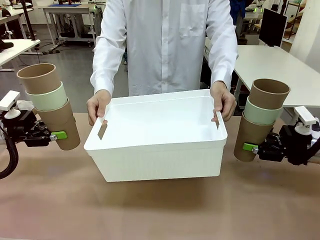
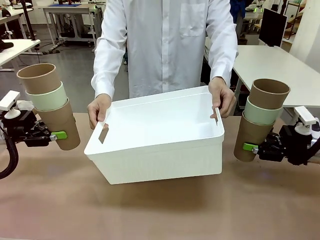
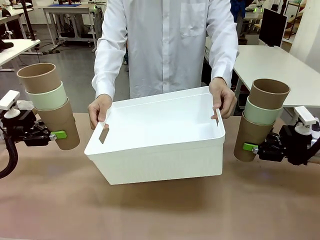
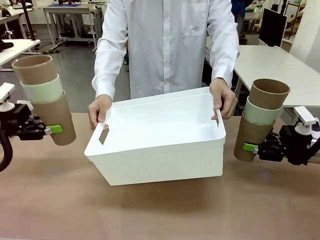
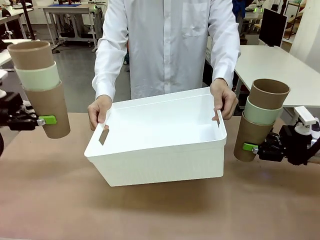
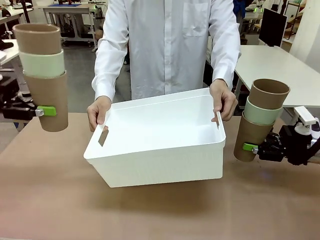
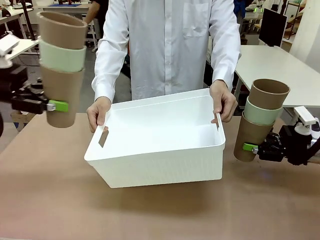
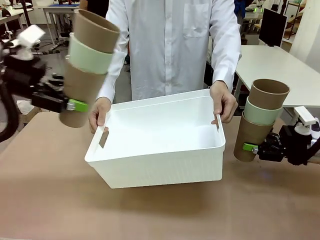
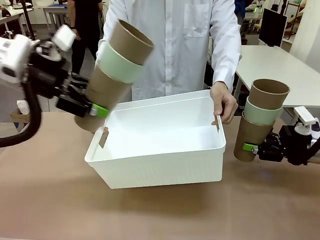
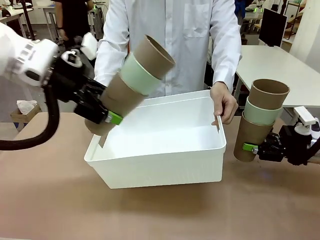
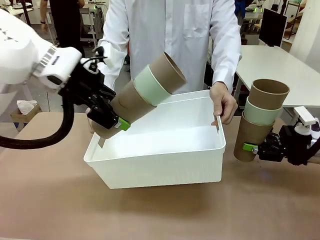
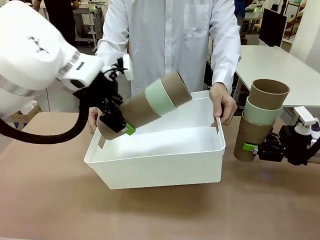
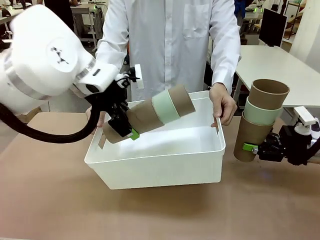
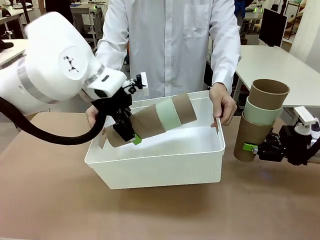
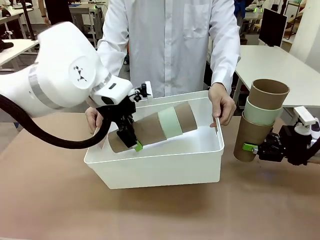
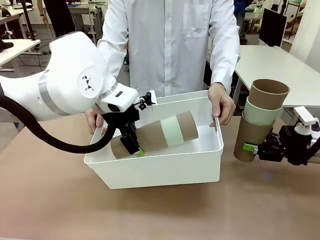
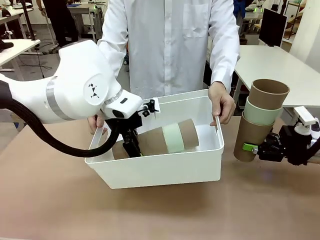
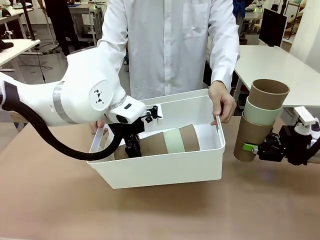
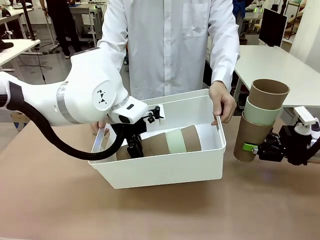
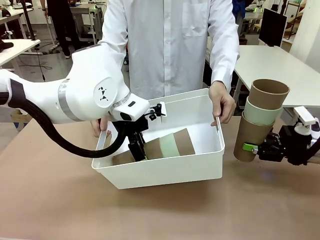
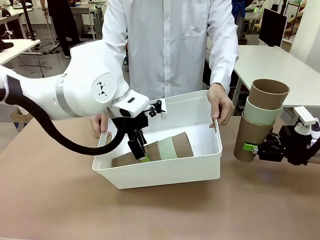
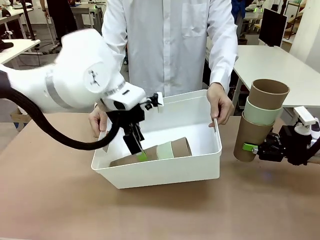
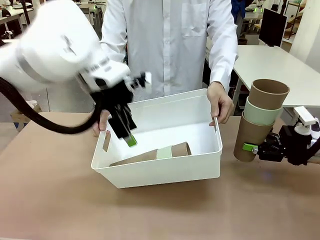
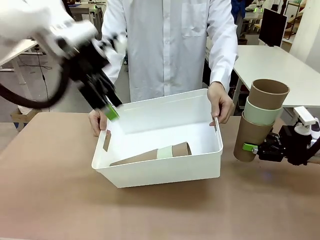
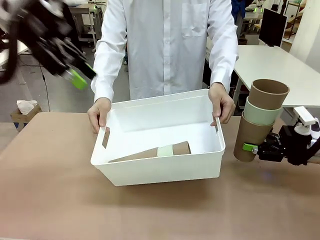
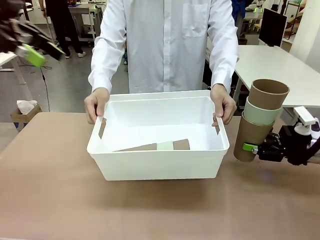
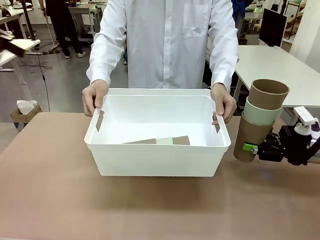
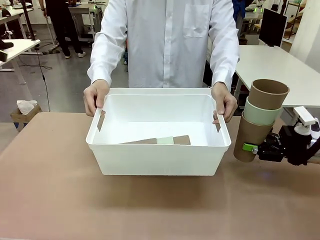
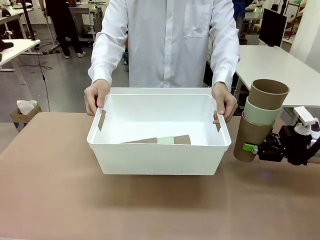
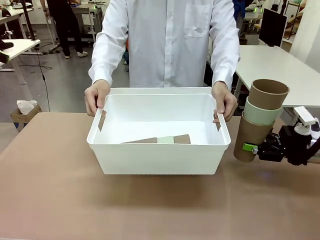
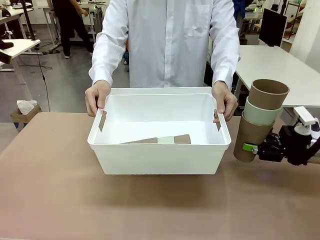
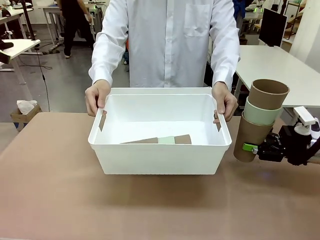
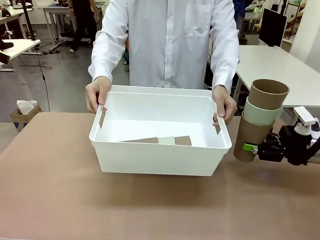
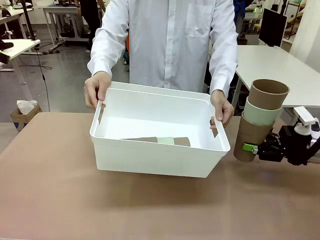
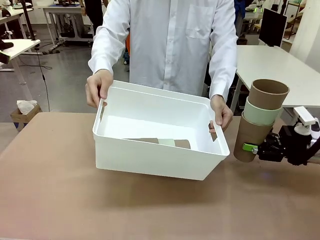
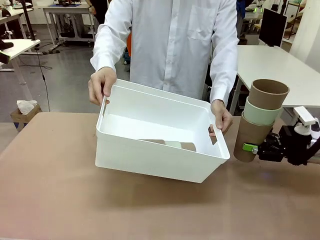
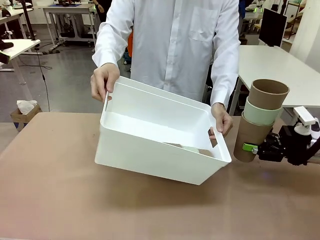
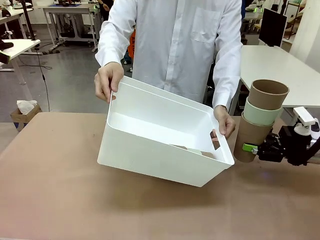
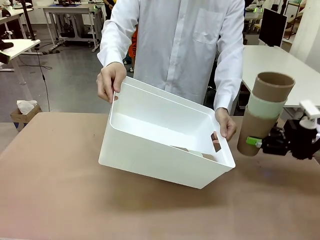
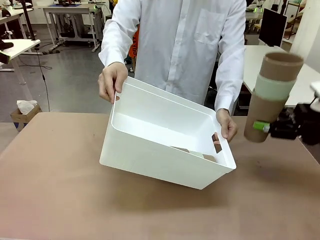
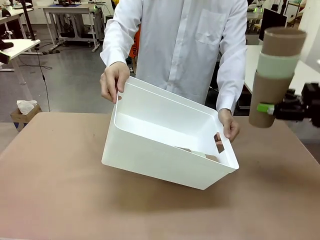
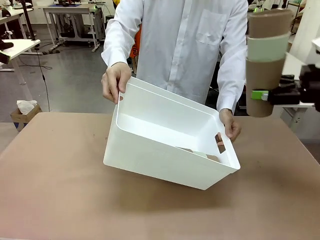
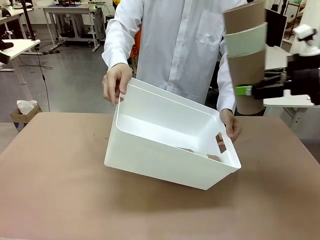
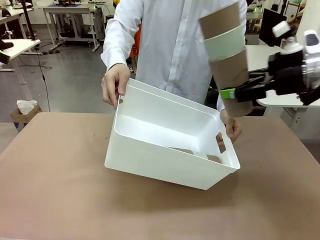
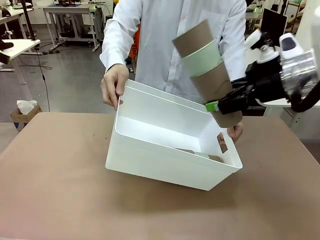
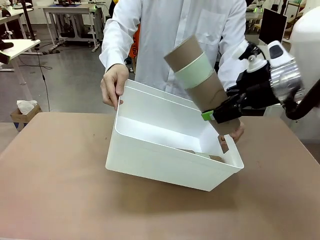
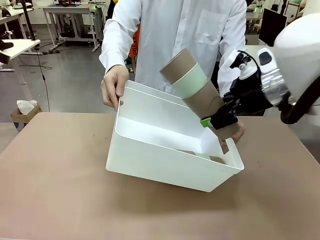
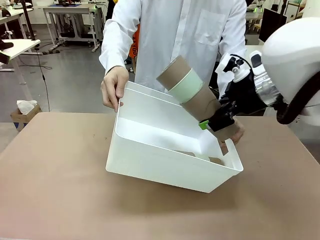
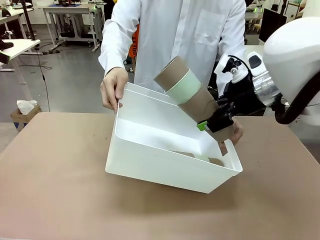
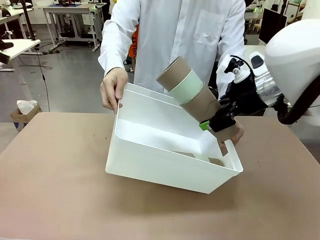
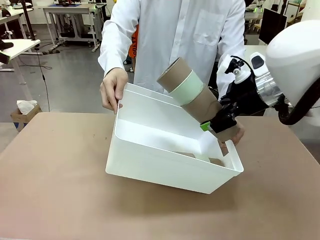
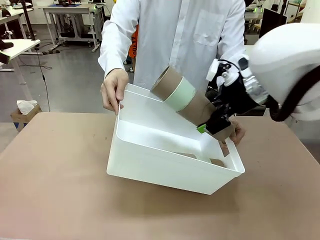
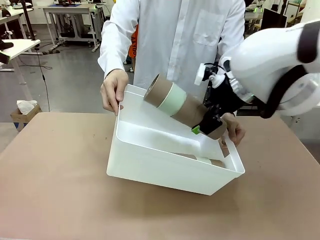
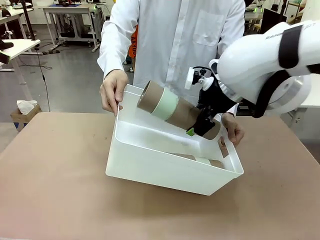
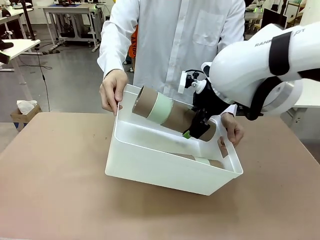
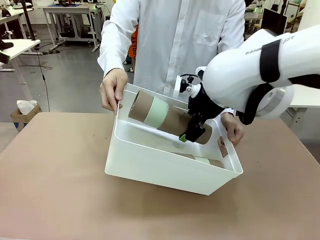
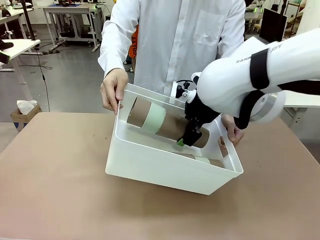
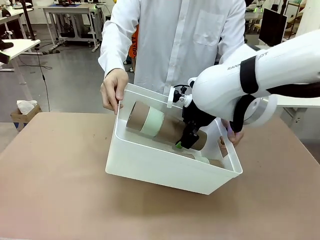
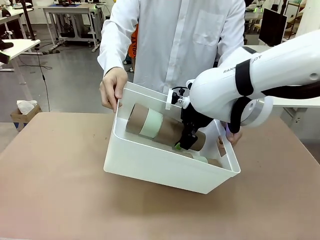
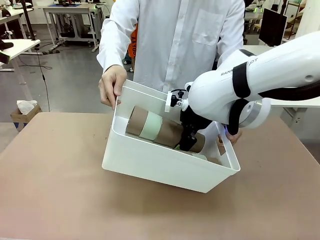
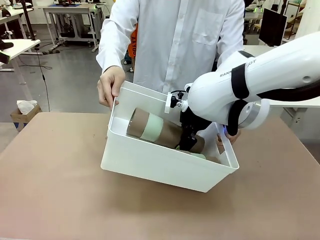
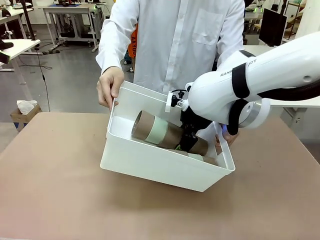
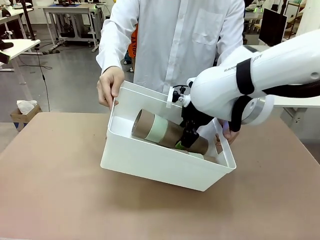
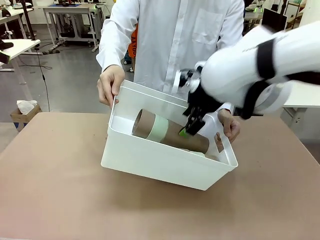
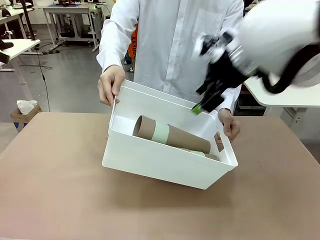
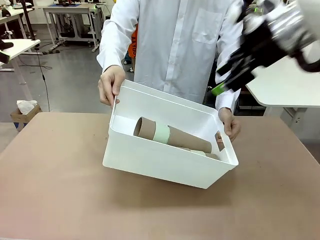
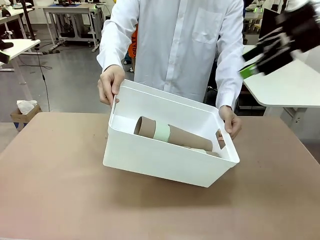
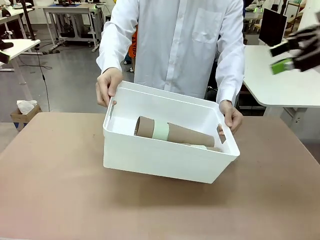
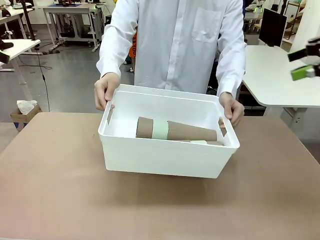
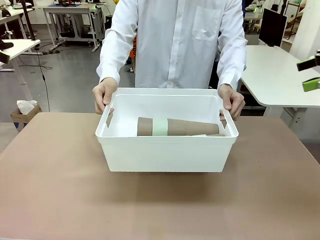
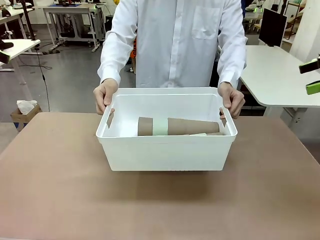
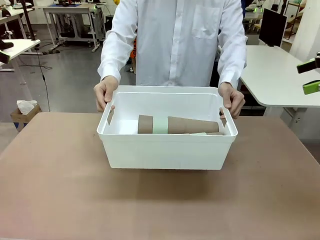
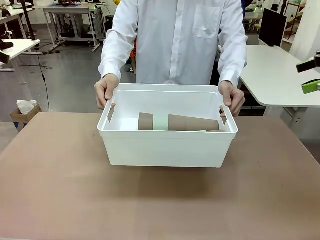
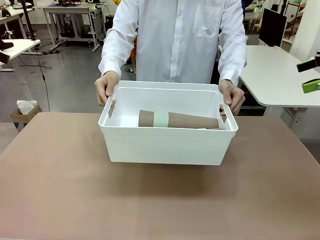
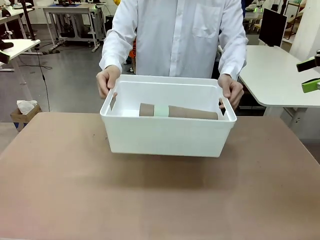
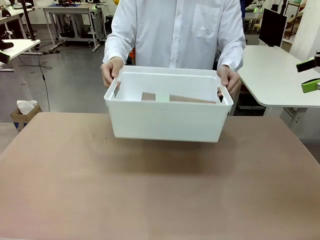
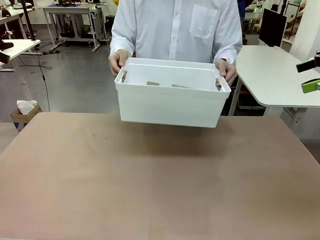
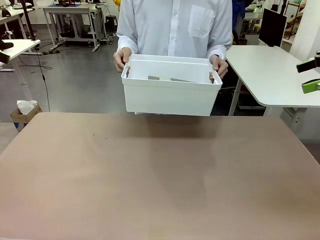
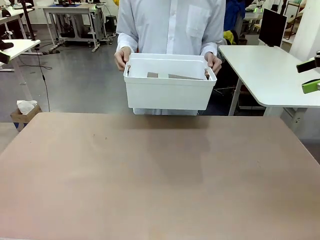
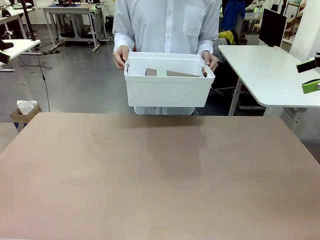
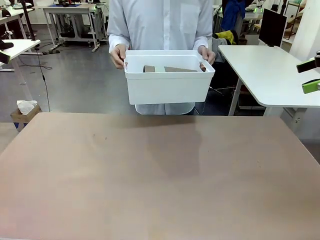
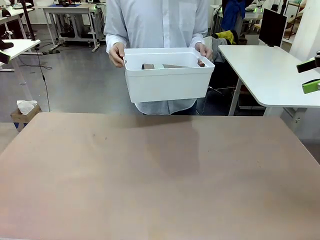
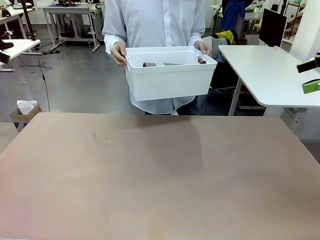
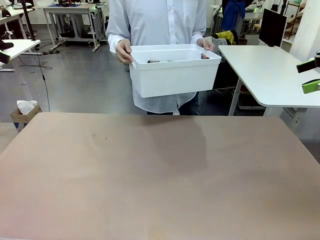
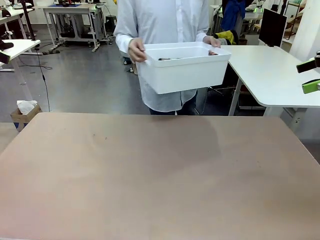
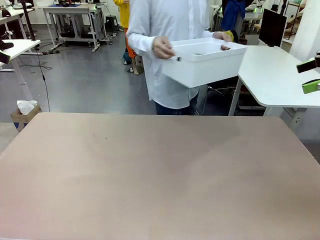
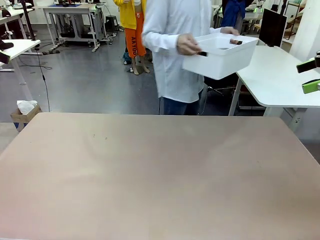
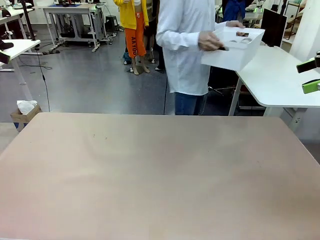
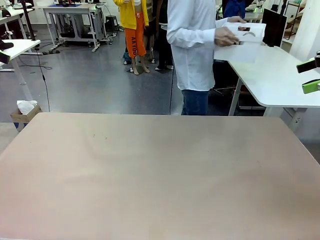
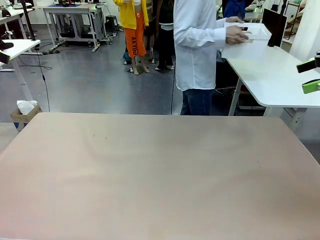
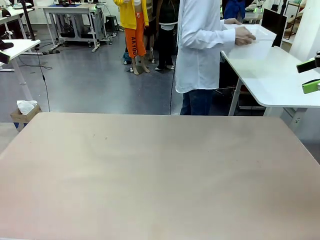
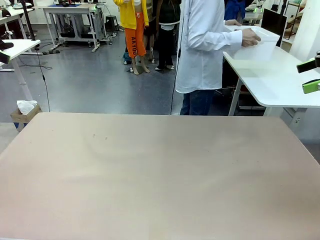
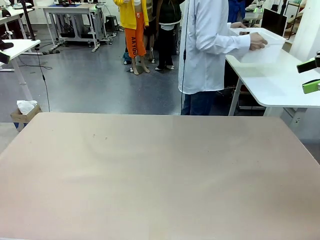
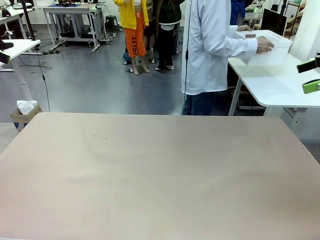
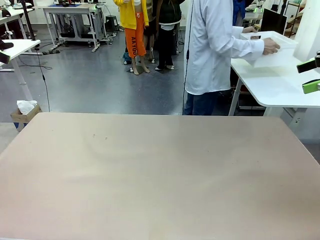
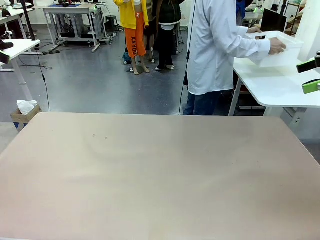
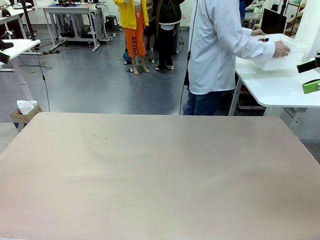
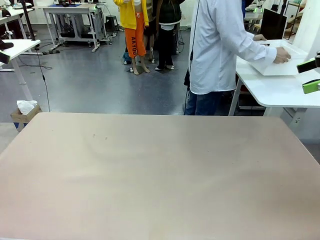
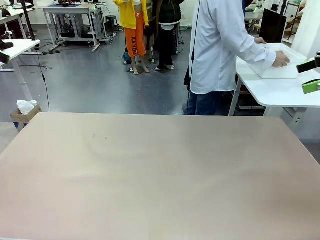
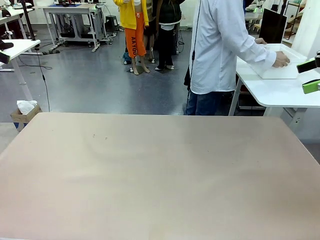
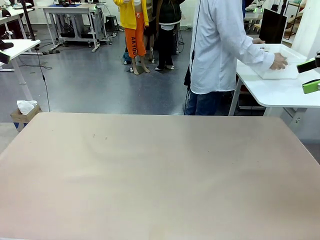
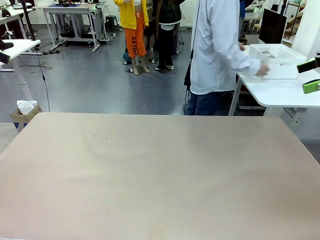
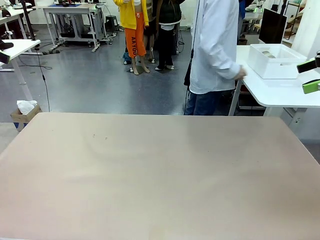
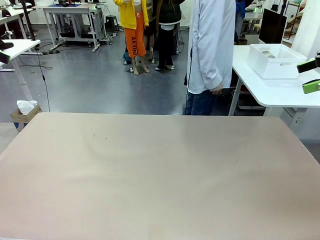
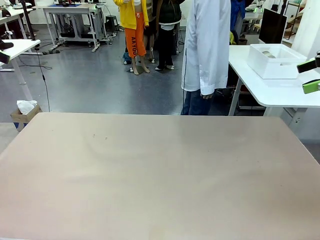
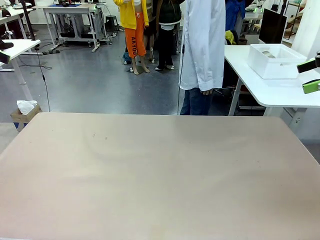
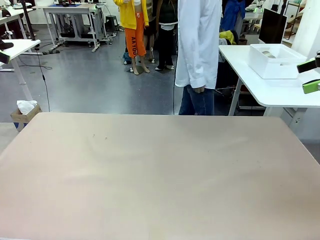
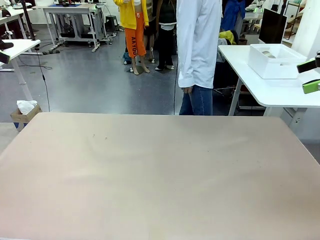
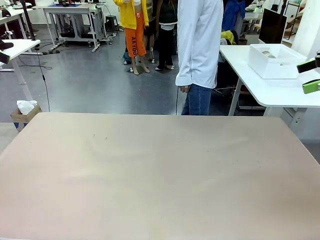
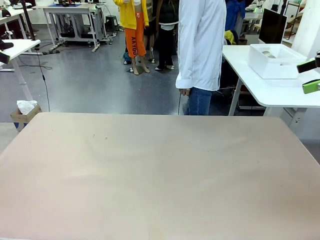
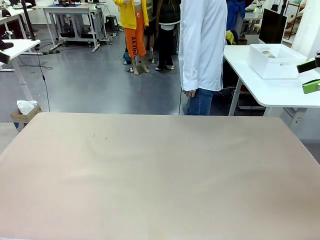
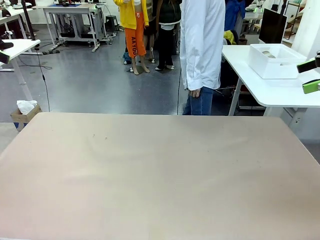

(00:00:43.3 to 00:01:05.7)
Task: Stack the cups and store them in the basket.
Robot: Place the stack of Reusable plastic cups into the Pantry Basket.
Person: Place the basket containing the cups in the middle of the Human Table.
